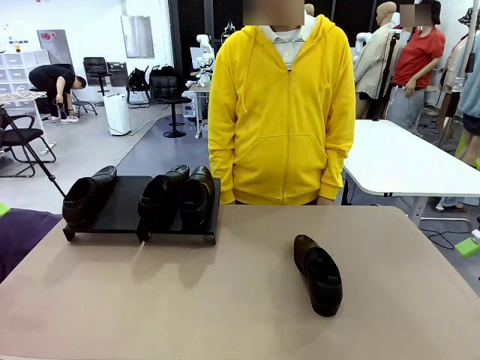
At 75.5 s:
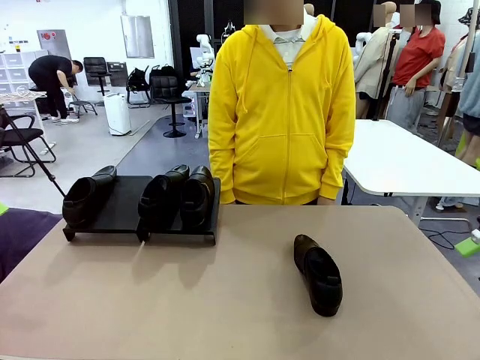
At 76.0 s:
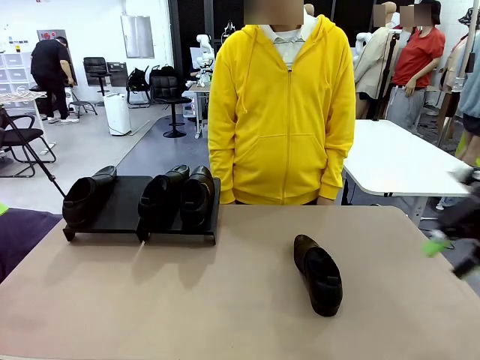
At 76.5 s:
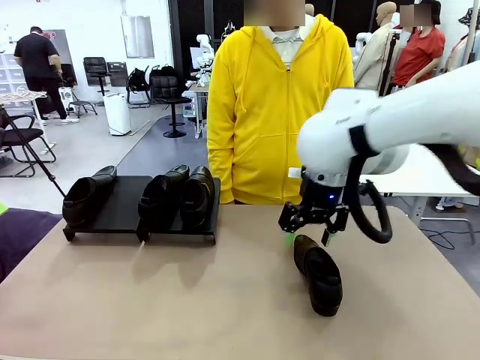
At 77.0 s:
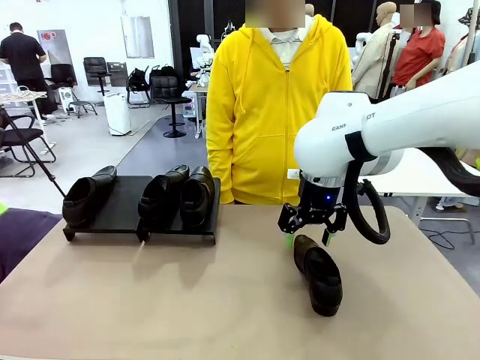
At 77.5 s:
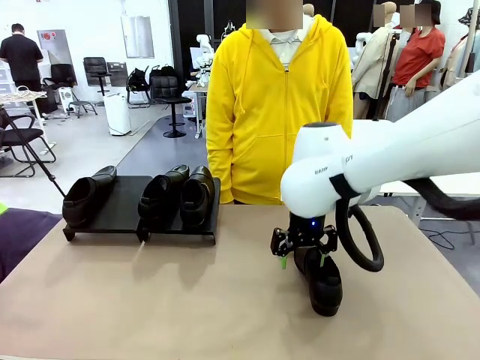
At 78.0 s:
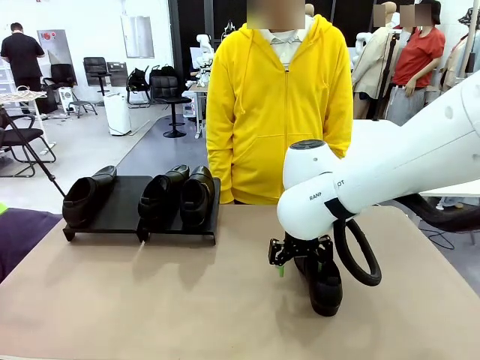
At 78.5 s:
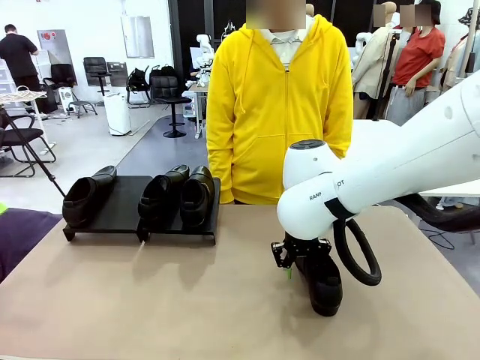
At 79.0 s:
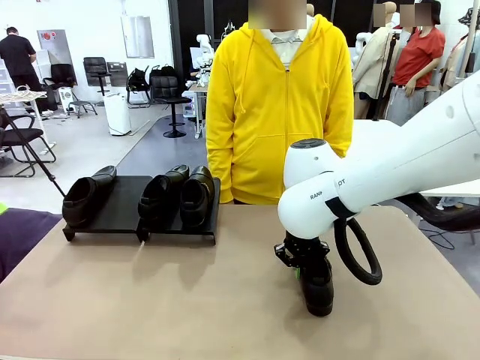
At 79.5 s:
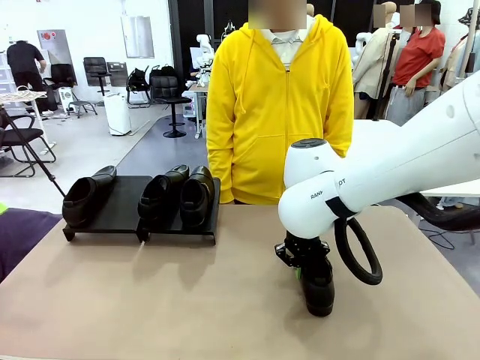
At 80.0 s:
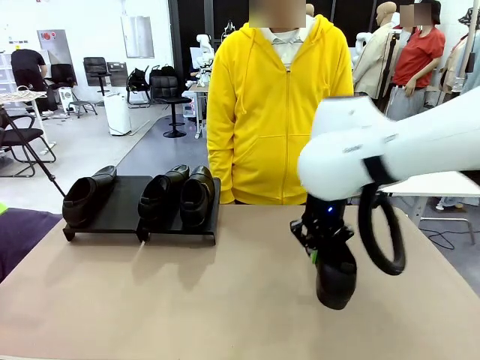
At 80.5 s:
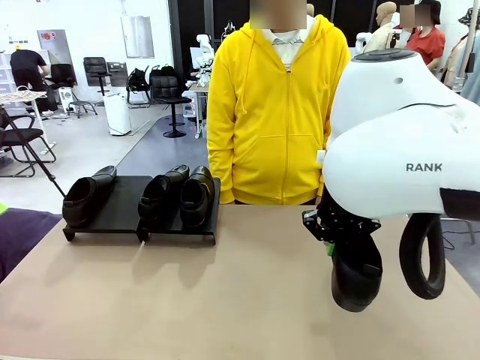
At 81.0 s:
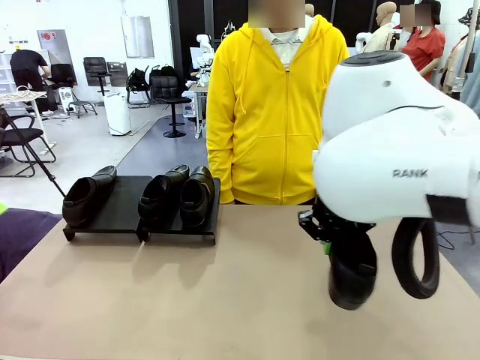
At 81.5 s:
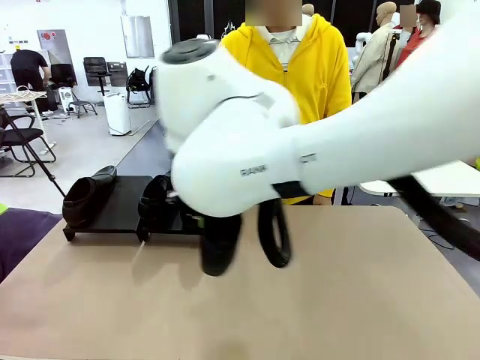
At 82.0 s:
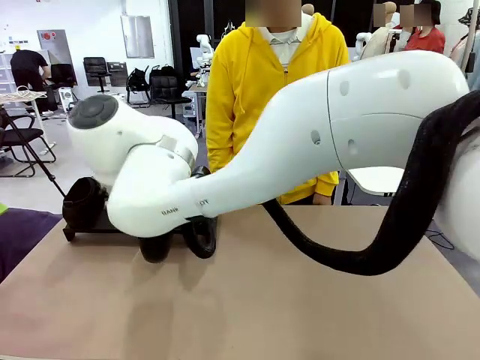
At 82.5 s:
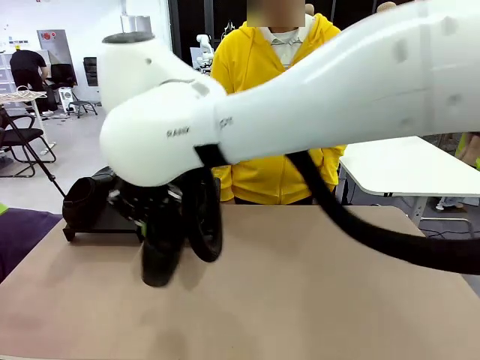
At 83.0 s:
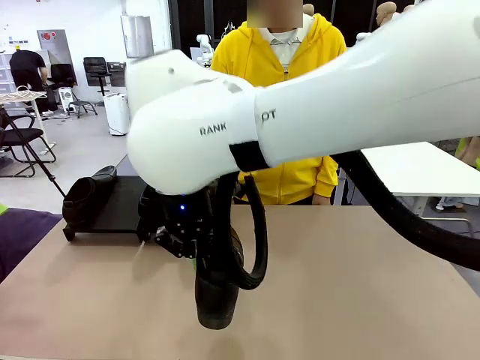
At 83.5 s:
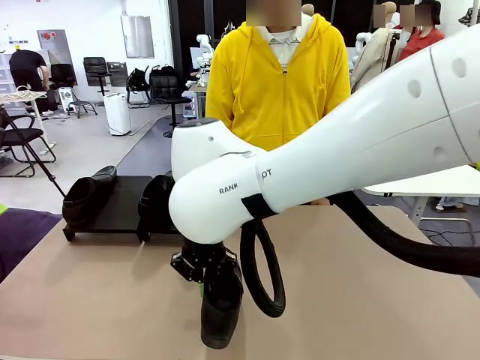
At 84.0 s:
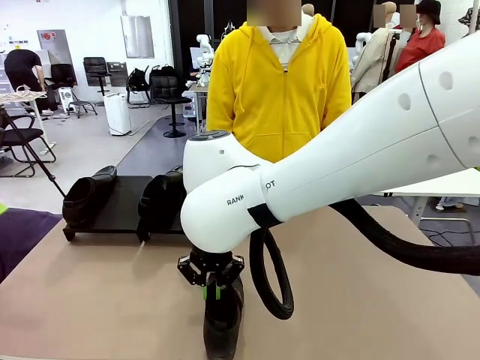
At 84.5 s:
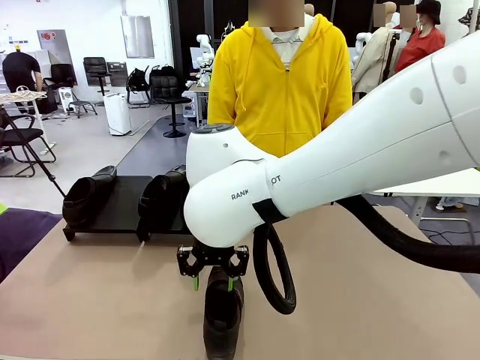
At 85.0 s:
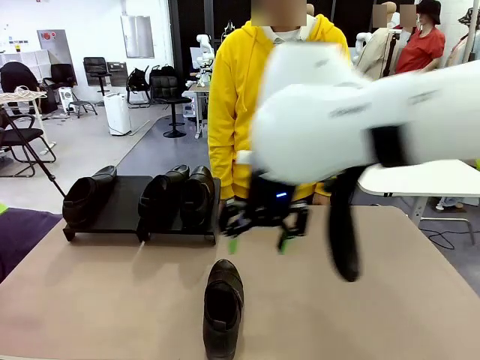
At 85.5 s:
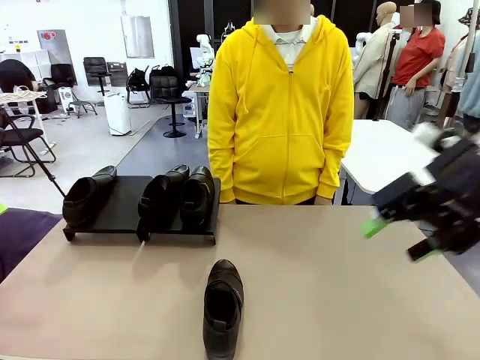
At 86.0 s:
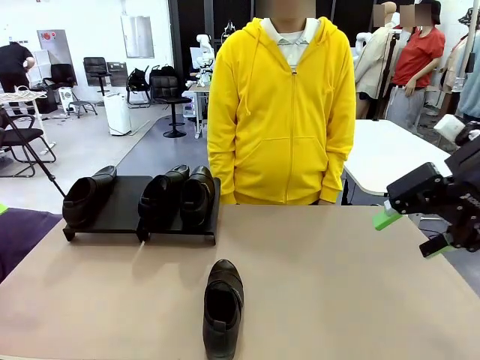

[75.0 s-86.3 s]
Task: Organize the shoes by placing them on the stand.
Robot: Pick up one Shoe and place it in the middle of the table.

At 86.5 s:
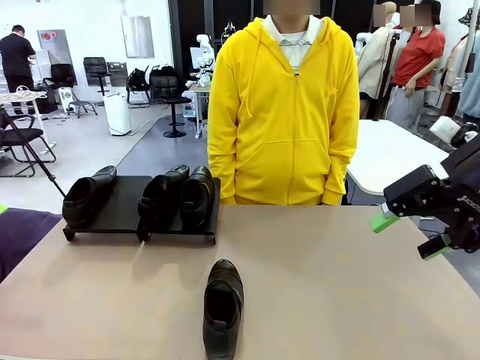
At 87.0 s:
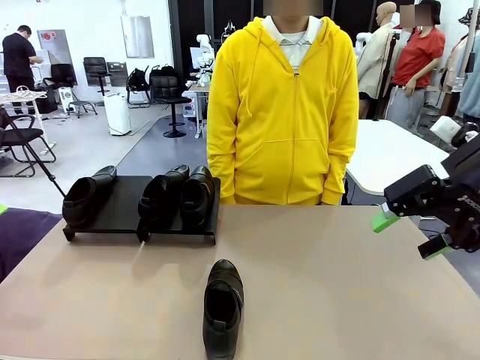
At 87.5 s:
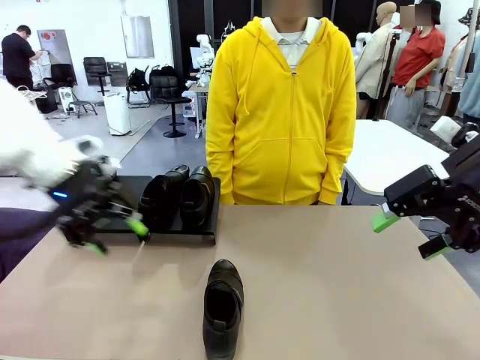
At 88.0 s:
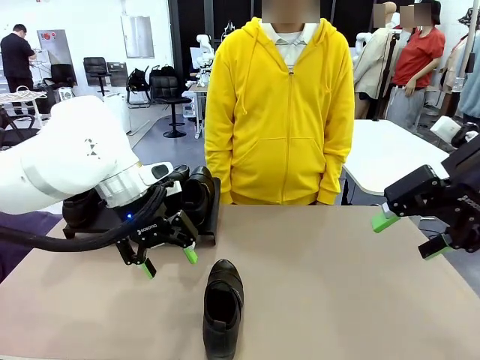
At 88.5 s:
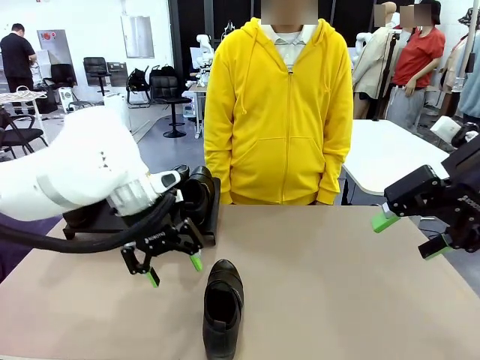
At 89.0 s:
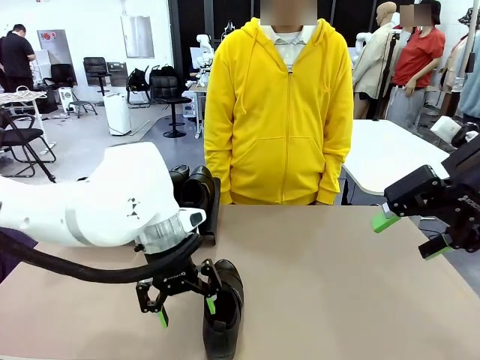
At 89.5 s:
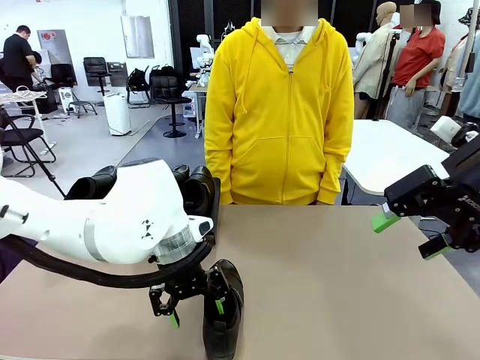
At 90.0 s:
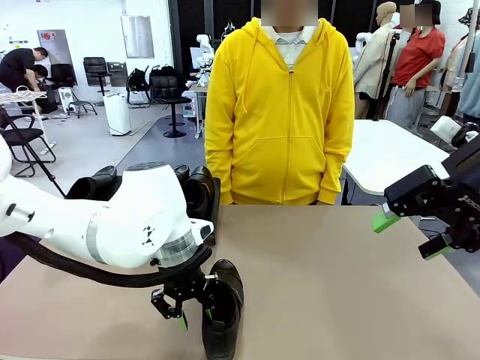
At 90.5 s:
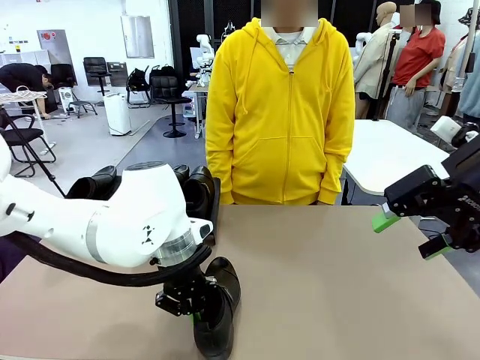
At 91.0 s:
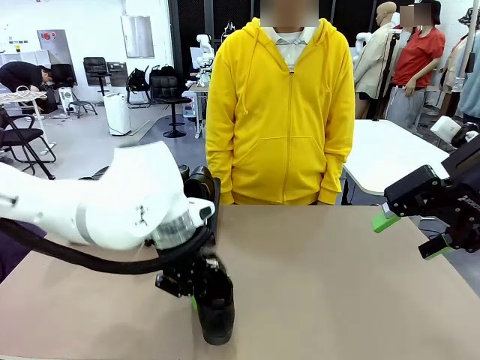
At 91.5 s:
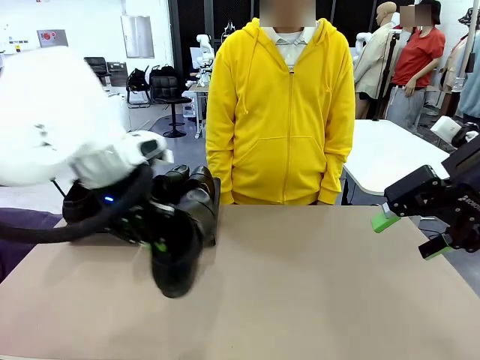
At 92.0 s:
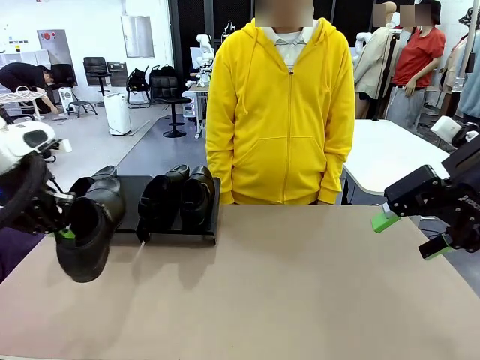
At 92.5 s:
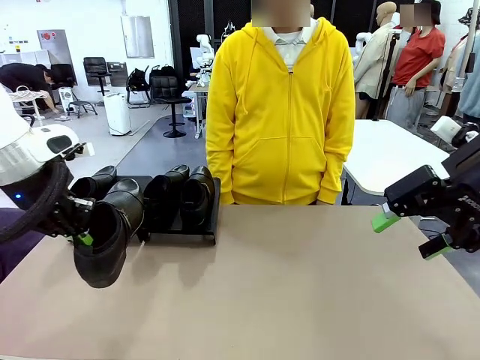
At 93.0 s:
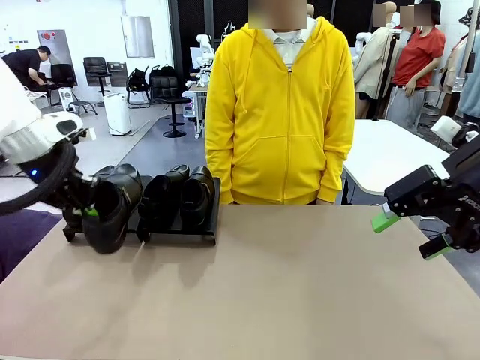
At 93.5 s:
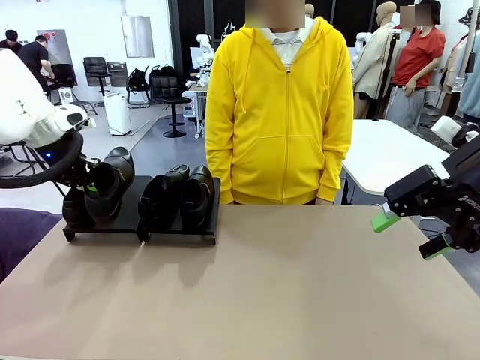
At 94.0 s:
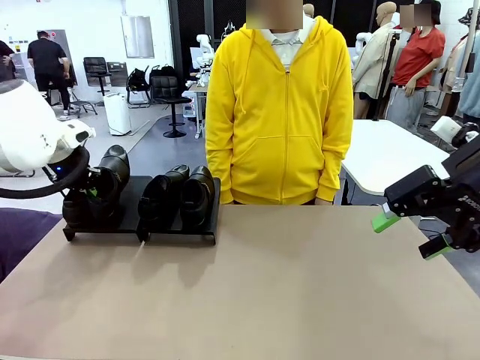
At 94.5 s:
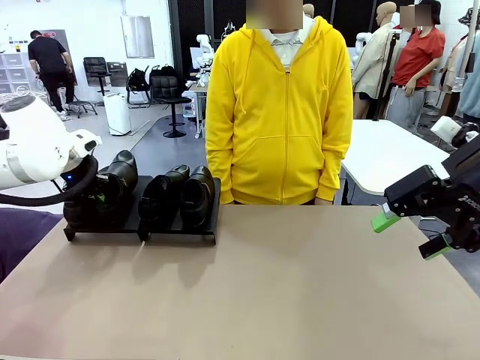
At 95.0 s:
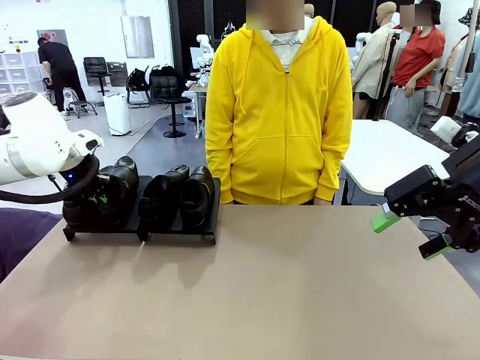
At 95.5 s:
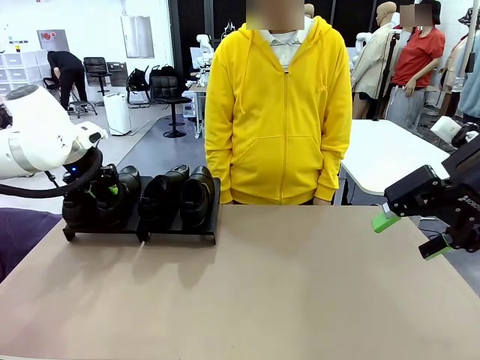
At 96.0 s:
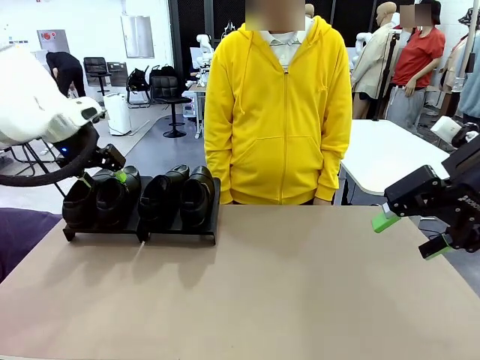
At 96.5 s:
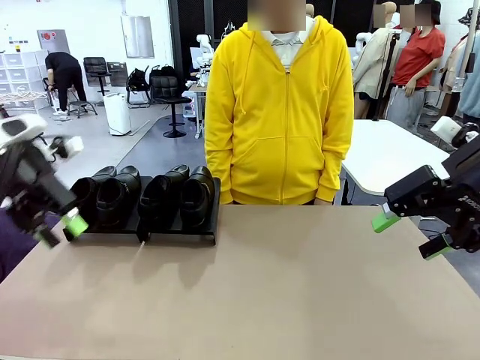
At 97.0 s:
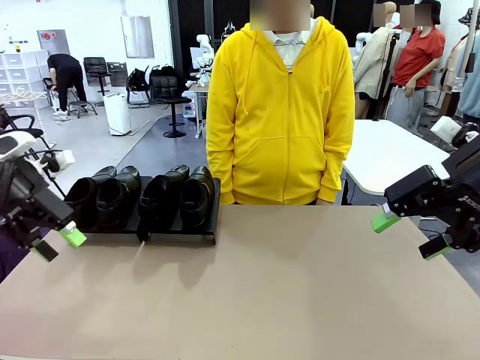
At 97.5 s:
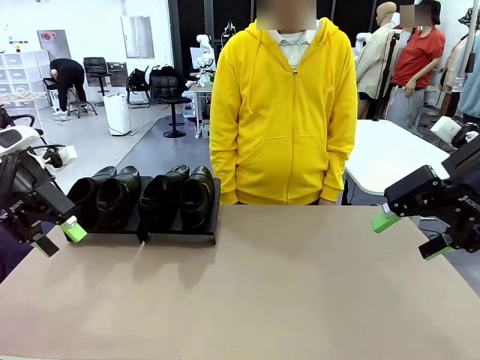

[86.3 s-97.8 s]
Robot: Place the Shoe from the middle of the table onto the Shoes Stand.
